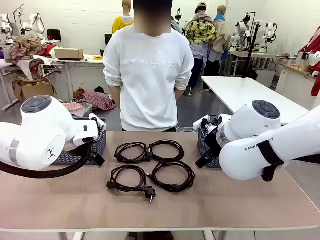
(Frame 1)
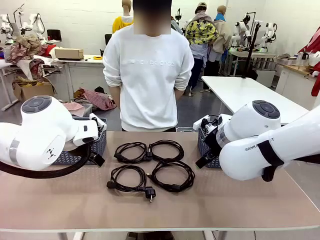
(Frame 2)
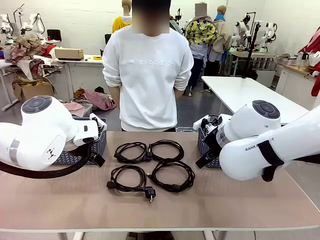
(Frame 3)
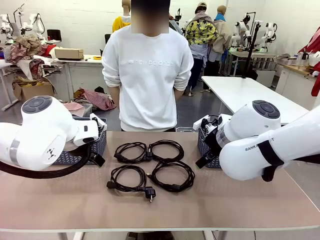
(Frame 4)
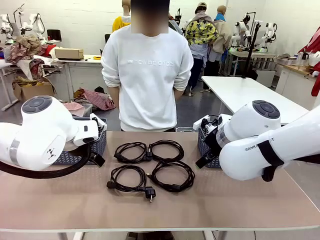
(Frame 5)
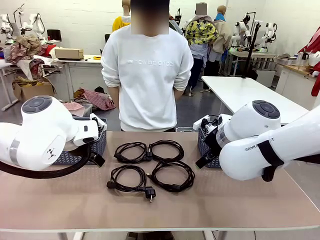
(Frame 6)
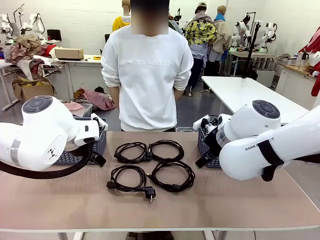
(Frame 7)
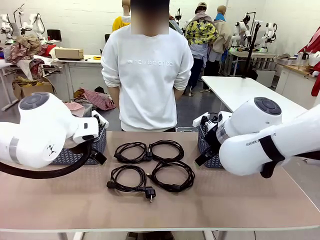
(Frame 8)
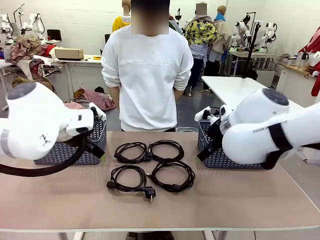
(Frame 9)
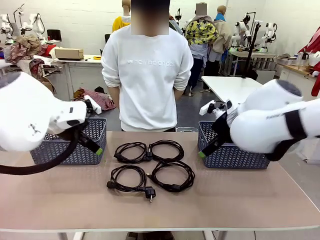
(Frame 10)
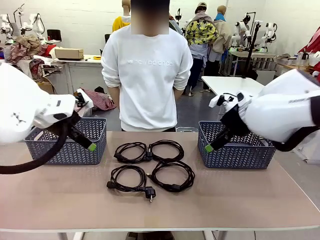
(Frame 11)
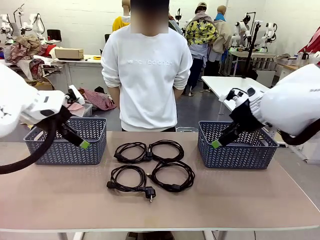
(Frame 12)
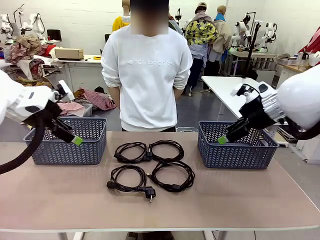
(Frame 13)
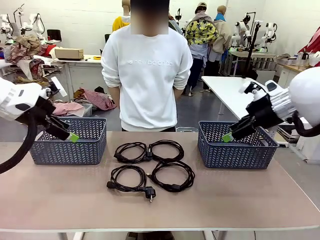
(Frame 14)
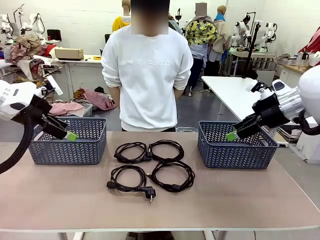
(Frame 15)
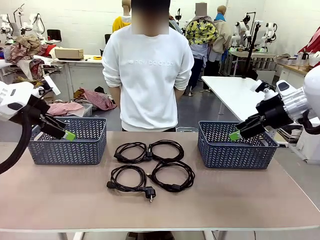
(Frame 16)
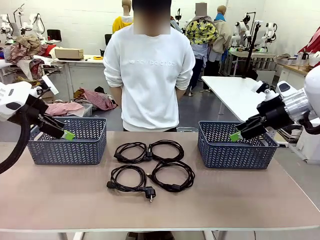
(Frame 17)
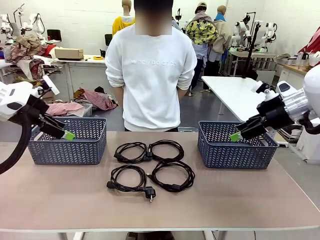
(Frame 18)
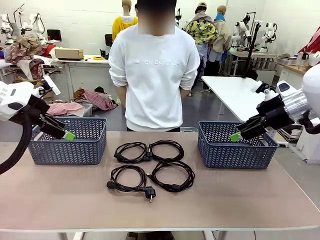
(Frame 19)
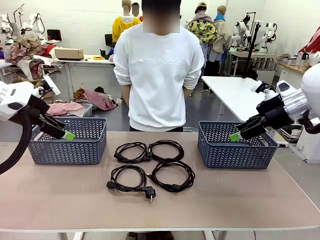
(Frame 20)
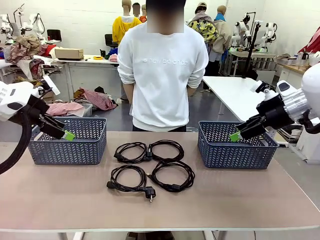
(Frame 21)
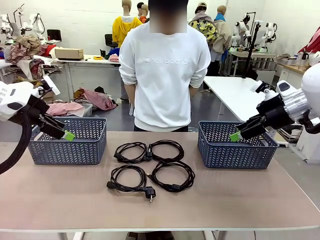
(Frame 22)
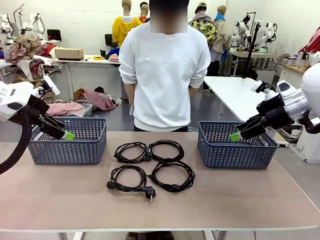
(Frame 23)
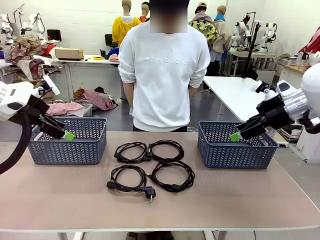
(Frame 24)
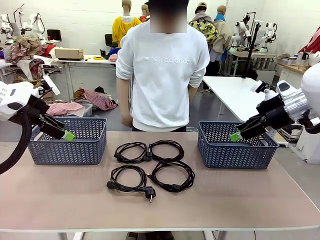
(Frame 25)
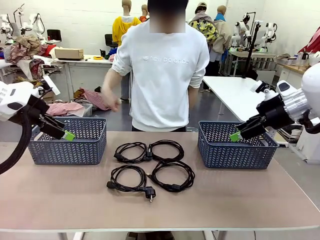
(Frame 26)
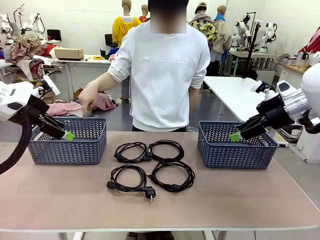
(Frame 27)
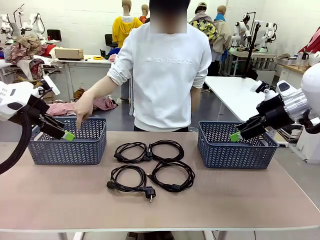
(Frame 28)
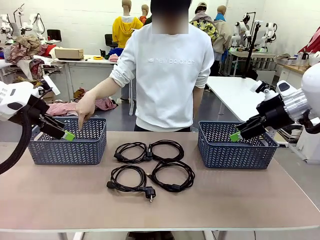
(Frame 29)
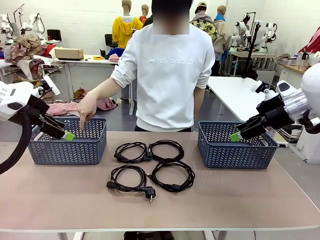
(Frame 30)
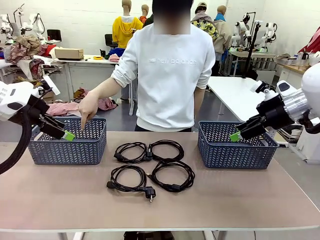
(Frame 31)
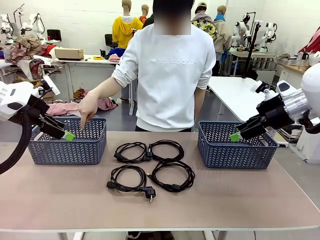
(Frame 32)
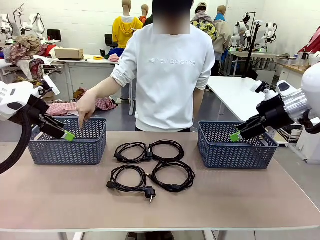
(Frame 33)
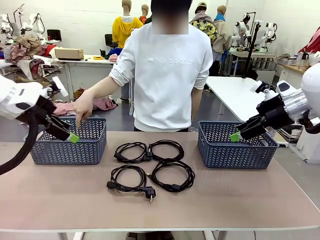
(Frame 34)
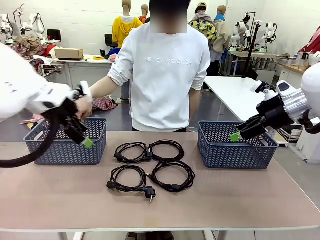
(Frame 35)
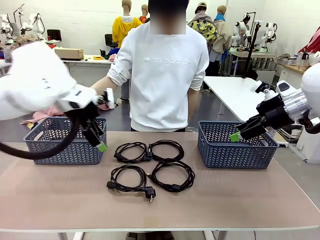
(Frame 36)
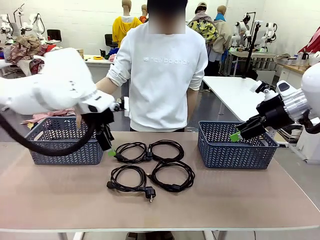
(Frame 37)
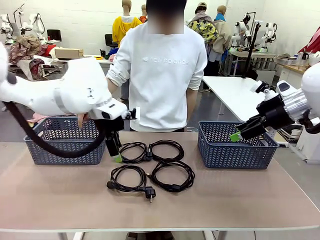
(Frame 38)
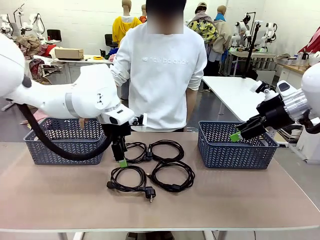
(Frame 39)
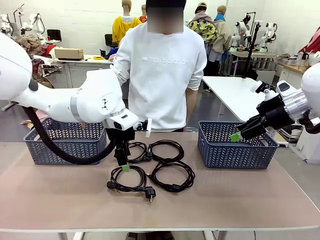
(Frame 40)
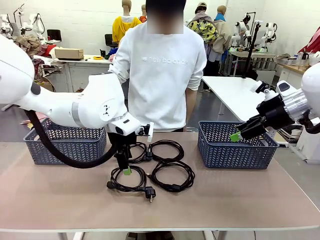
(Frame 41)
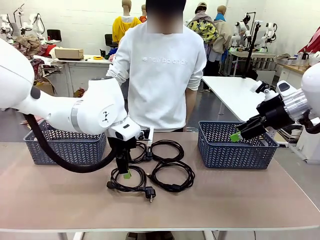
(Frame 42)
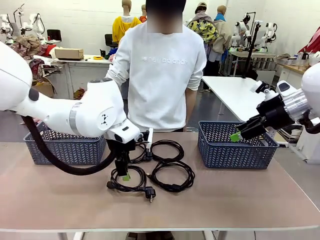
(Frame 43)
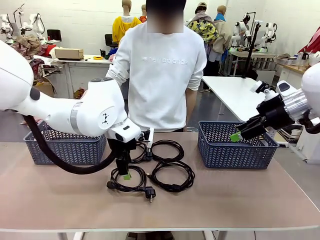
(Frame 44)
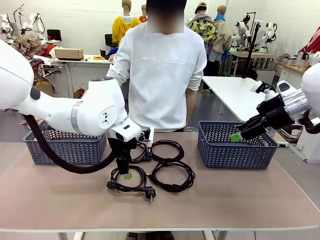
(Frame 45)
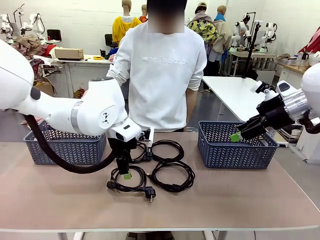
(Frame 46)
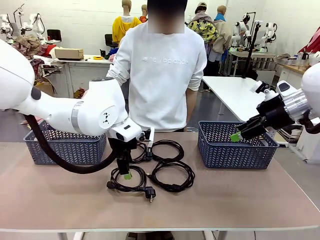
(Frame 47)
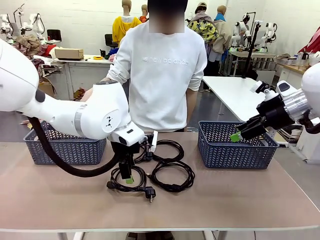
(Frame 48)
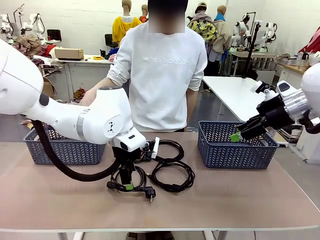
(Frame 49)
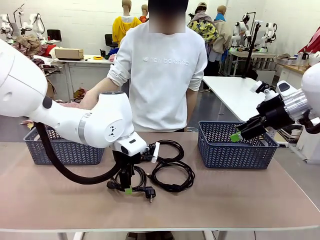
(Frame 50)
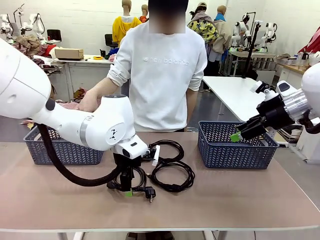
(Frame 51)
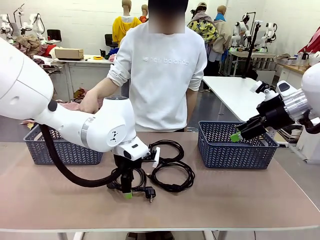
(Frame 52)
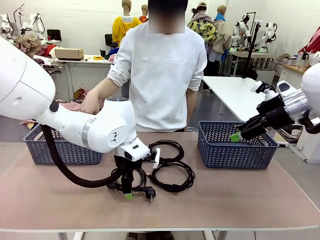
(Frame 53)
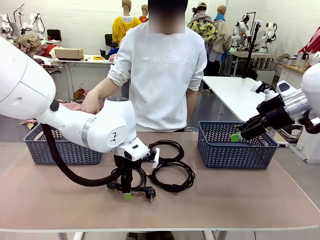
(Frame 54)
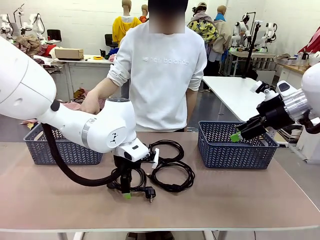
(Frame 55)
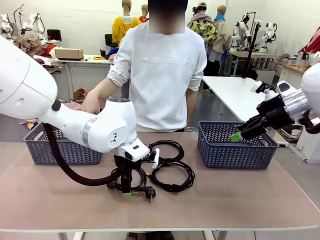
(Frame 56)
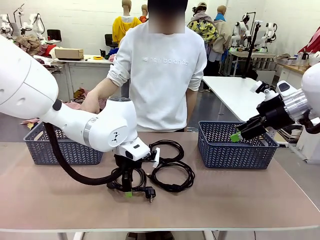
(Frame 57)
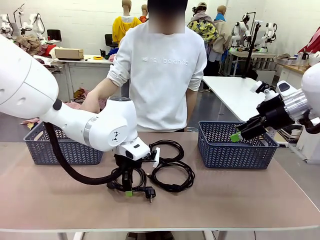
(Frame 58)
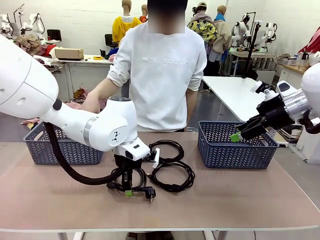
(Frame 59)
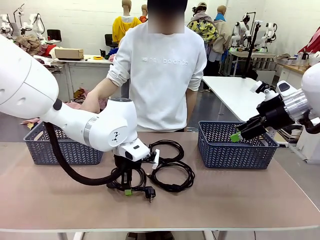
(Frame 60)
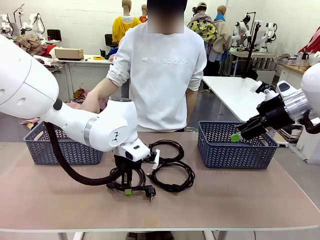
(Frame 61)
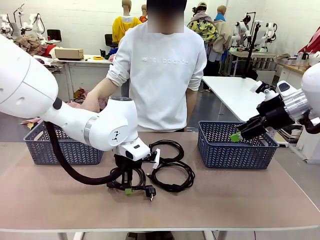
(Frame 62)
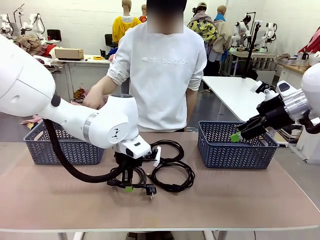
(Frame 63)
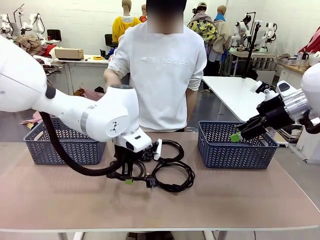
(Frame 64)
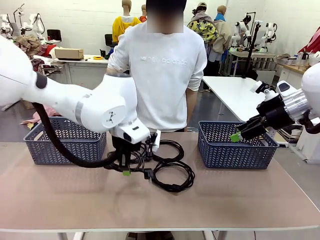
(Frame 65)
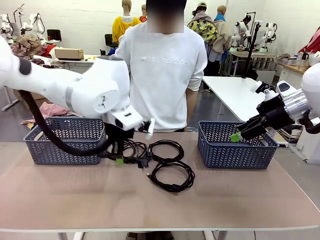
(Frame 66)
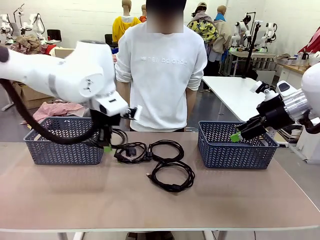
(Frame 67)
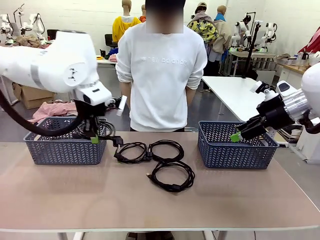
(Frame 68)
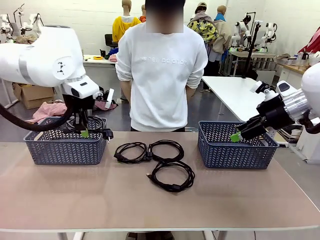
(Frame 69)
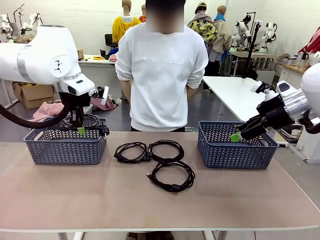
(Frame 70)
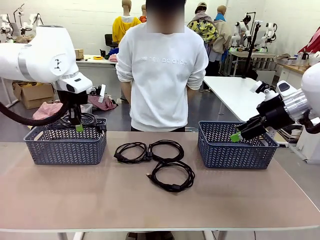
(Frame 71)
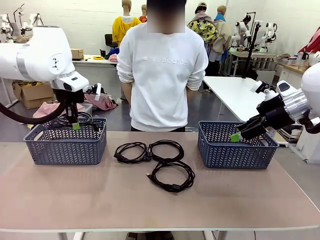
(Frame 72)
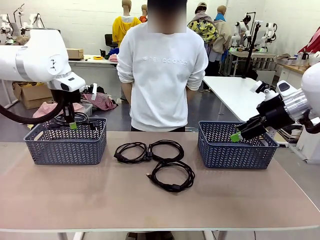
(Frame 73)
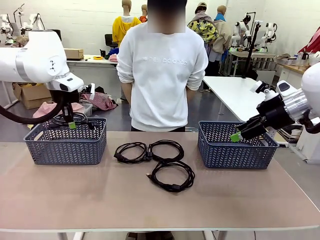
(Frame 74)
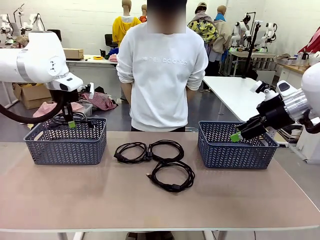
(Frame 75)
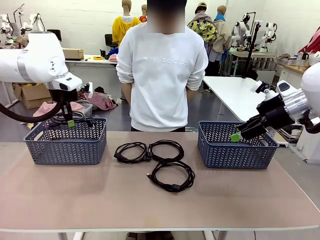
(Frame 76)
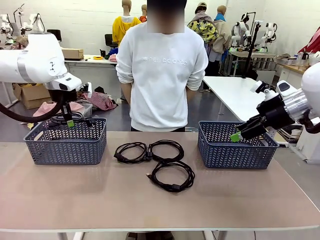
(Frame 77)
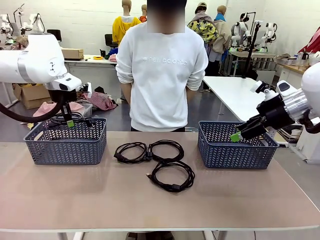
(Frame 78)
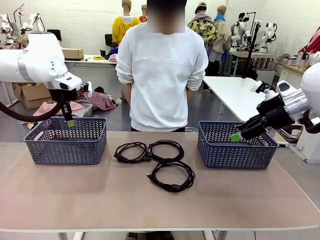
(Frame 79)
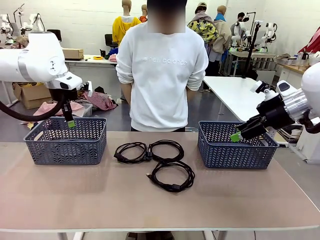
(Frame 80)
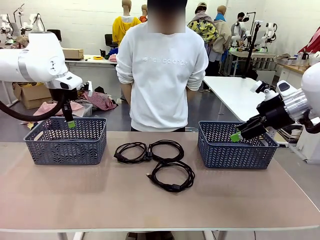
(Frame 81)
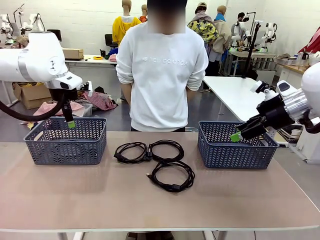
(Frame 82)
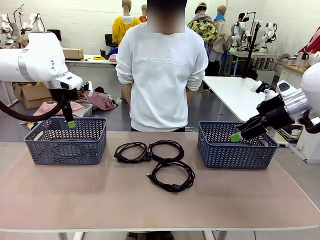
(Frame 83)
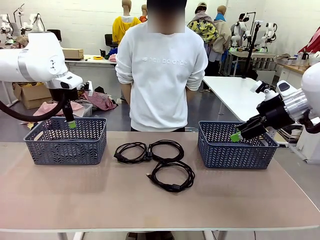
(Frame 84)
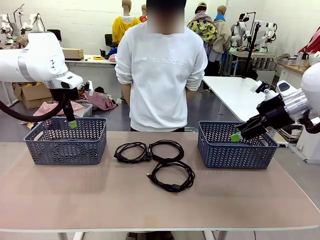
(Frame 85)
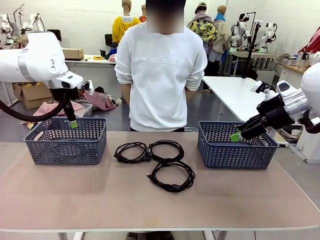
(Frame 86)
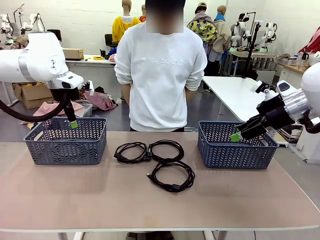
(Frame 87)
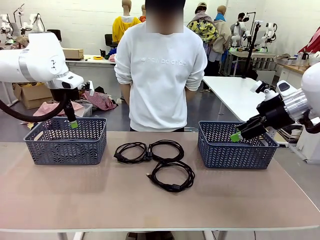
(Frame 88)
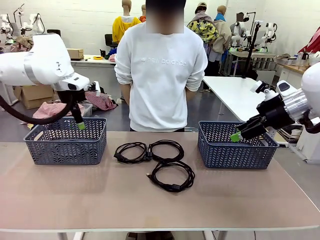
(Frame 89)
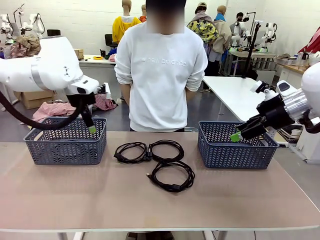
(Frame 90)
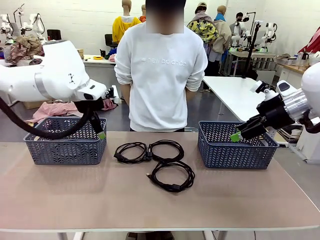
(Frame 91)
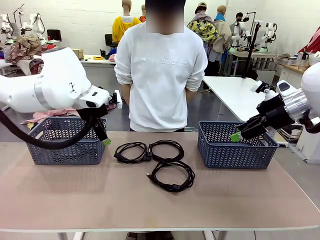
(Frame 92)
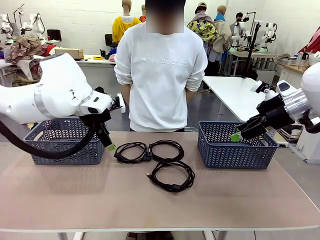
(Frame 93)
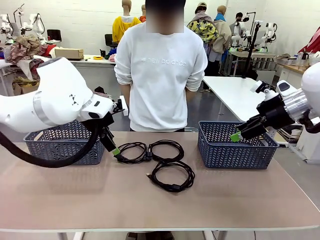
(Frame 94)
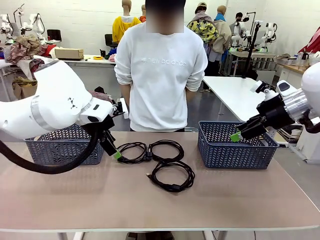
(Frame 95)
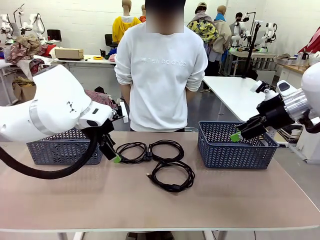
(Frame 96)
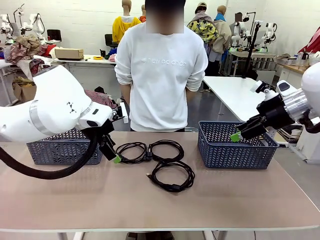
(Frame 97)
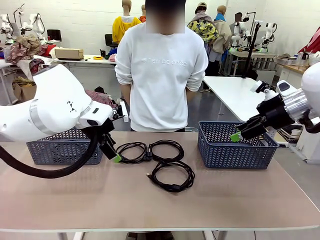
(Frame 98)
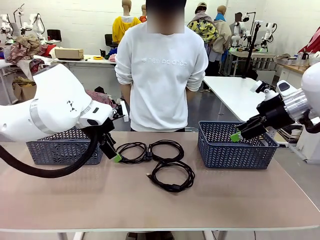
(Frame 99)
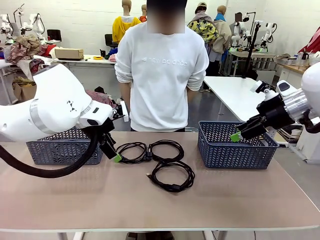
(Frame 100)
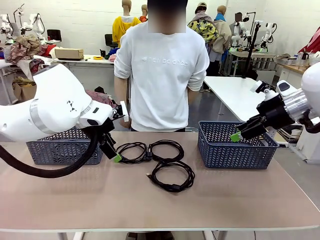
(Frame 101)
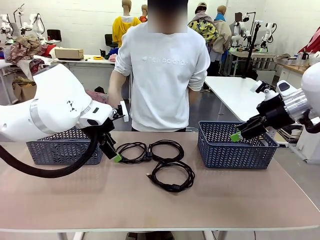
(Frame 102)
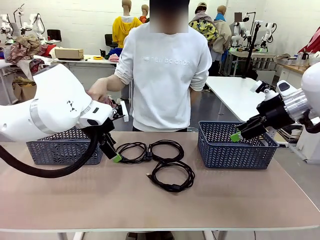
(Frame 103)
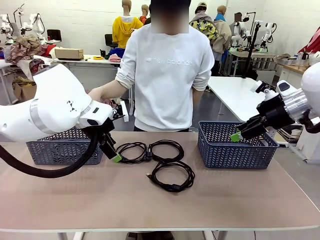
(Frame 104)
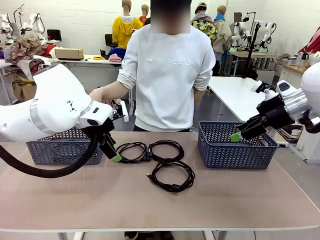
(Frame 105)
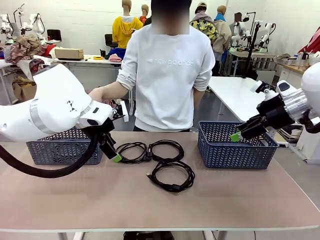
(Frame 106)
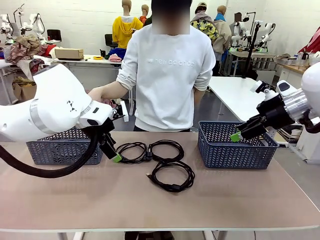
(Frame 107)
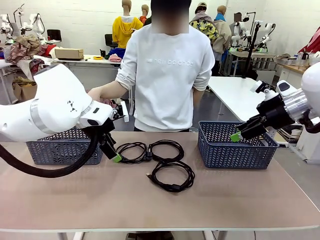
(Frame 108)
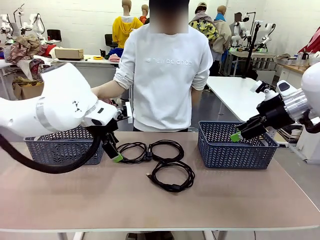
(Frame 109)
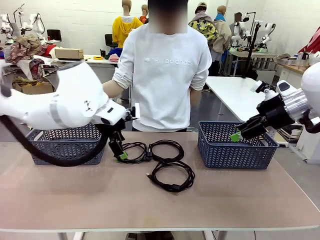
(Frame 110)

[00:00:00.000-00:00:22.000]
Task: Organize the cables according to human instructions.
Robot: Pick up a bundle of cables and place it in the basket indicated by the human.
